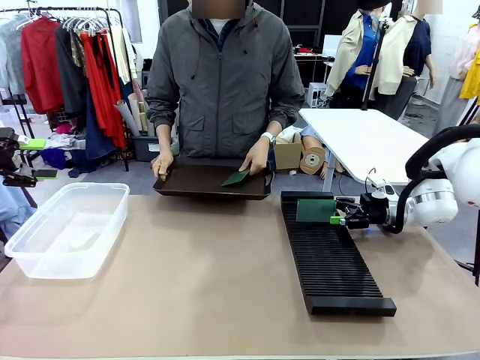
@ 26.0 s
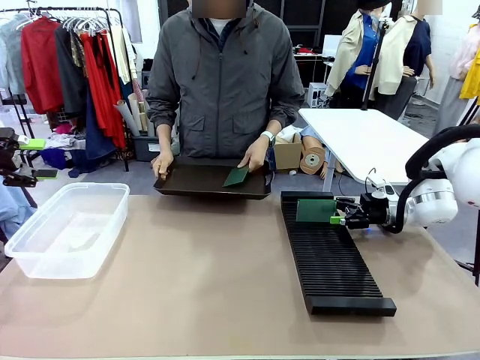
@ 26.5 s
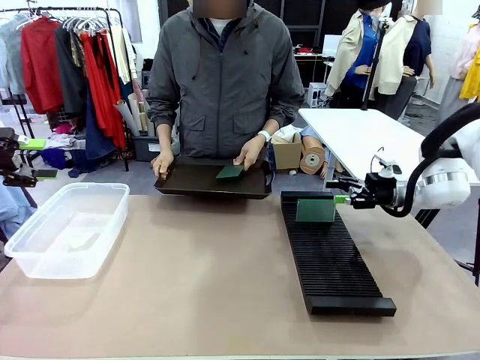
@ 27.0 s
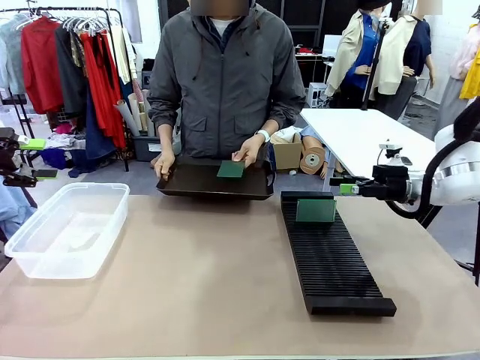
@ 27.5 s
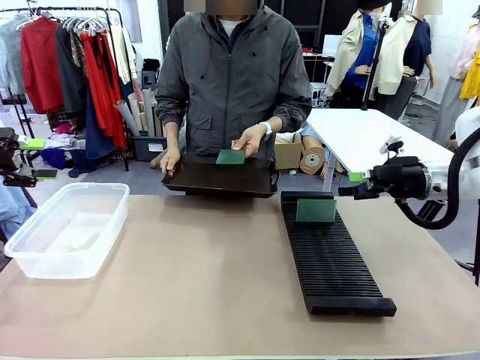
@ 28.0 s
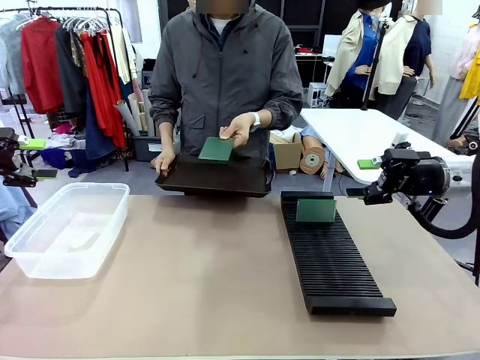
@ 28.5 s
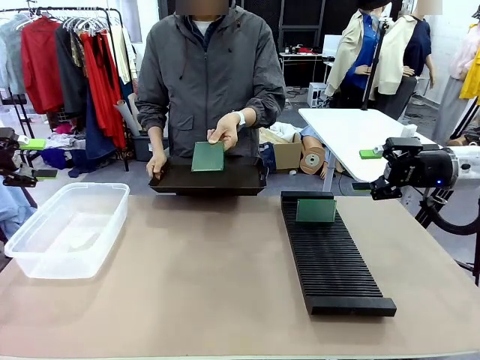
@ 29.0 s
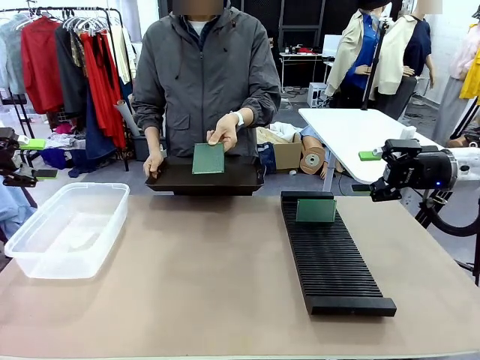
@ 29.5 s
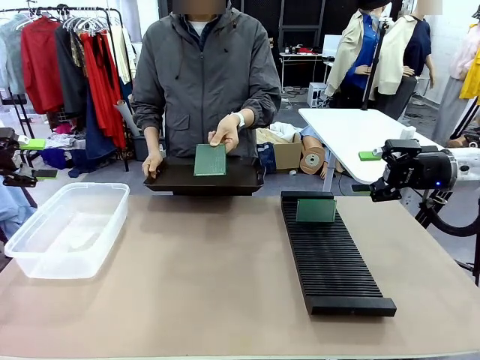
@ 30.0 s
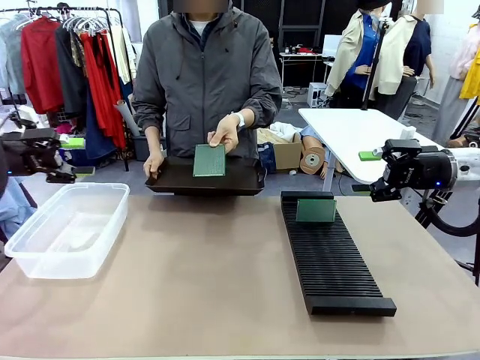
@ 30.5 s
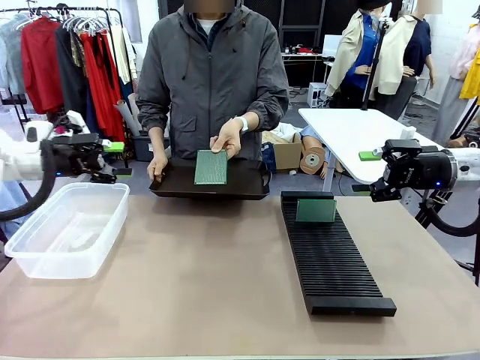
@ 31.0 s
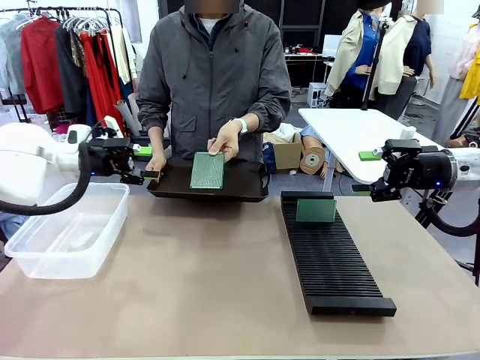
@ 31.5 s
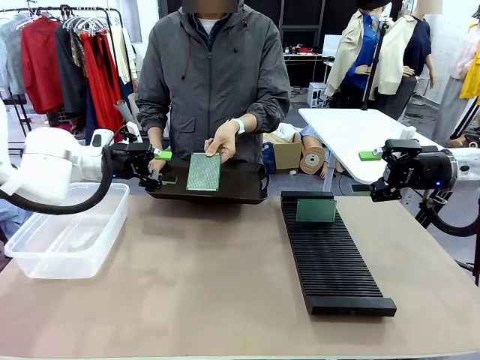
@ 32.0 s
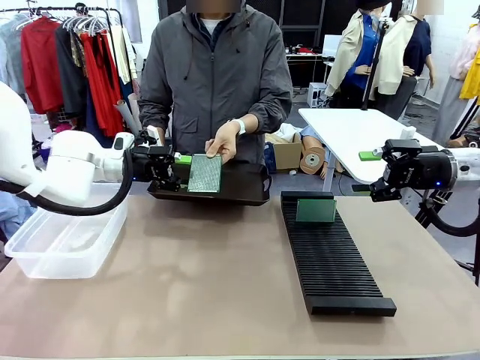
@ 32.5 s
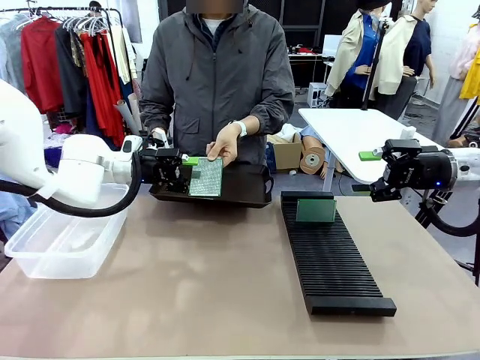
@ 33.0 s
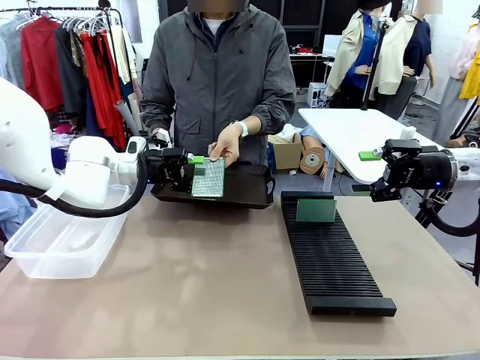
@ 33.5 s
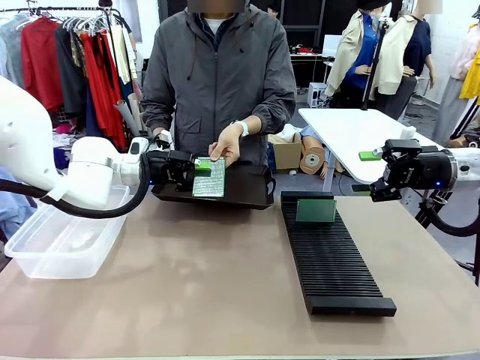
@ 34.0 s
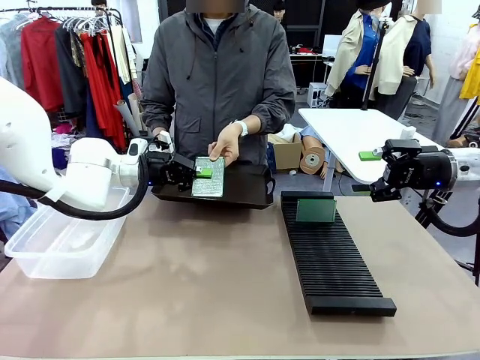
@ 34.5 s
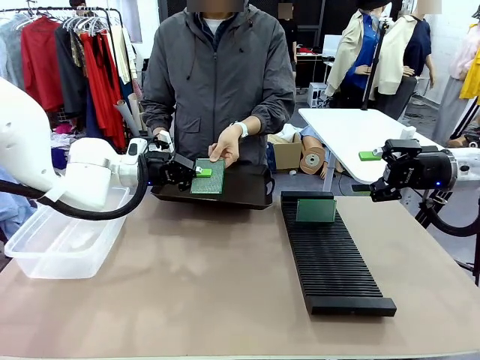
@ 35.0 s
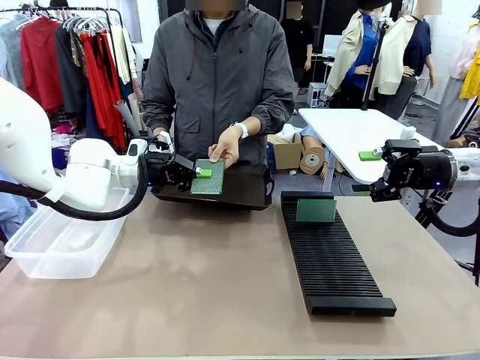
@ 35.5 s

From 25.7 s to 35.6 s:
Task: Sort PCBs into racks and boxes based on the side picked up.
Robot: Pick up the Blank PCB handed by the Human.

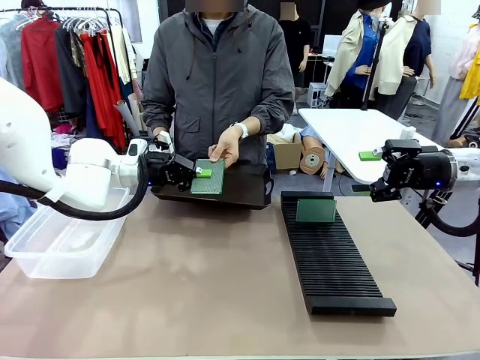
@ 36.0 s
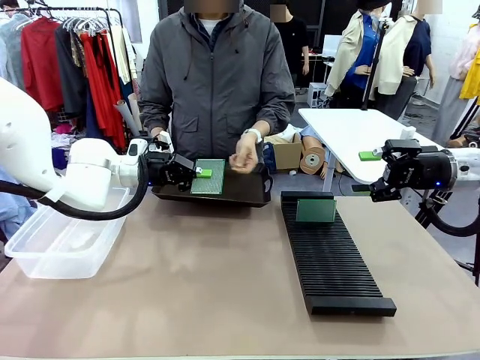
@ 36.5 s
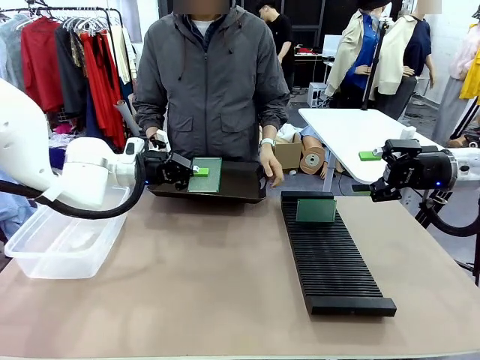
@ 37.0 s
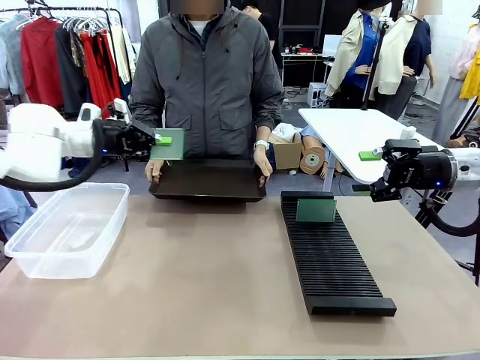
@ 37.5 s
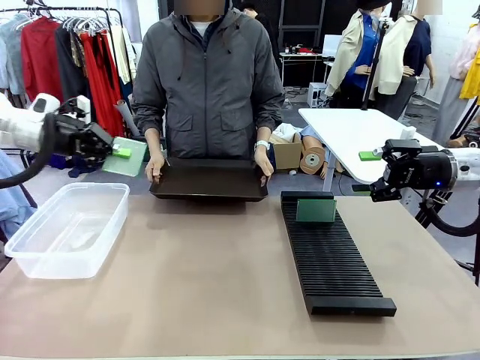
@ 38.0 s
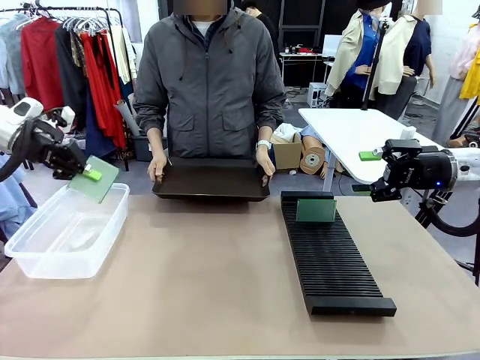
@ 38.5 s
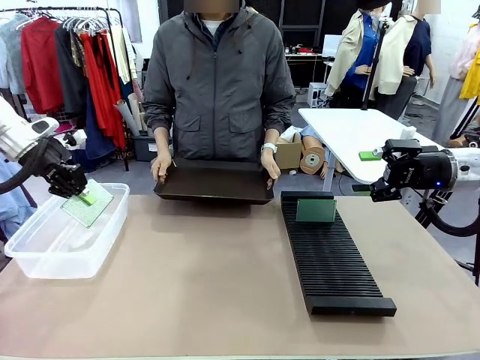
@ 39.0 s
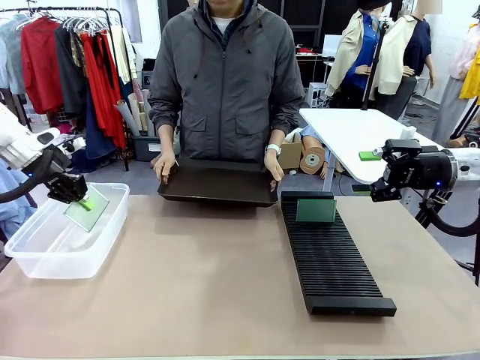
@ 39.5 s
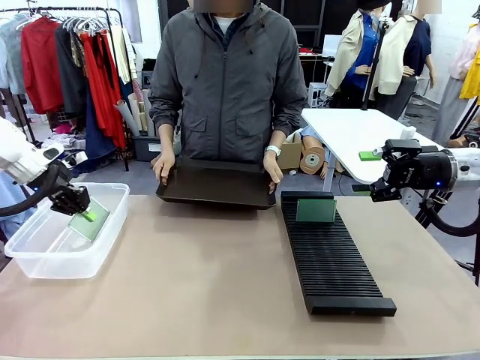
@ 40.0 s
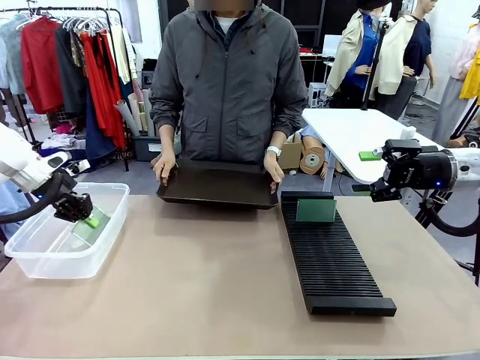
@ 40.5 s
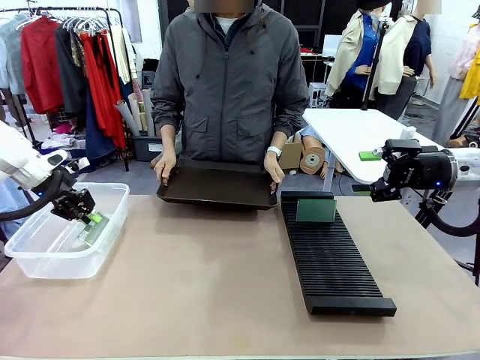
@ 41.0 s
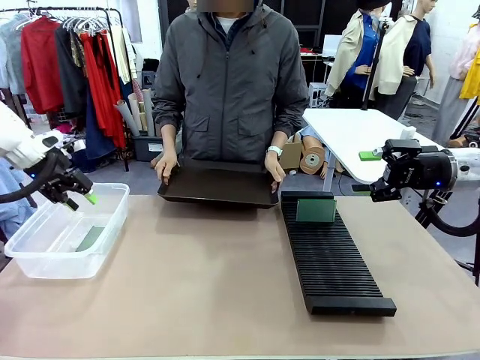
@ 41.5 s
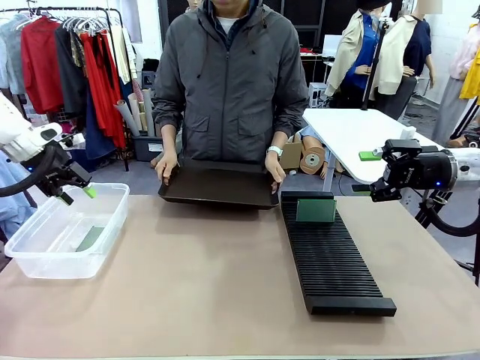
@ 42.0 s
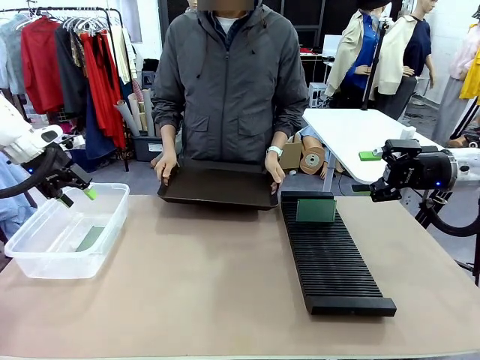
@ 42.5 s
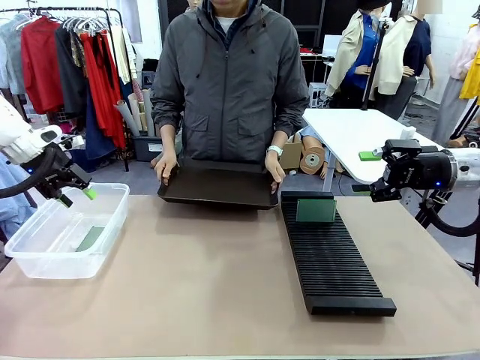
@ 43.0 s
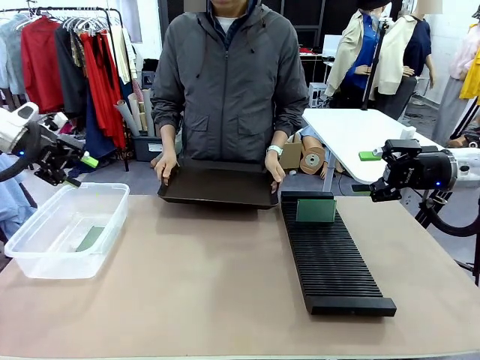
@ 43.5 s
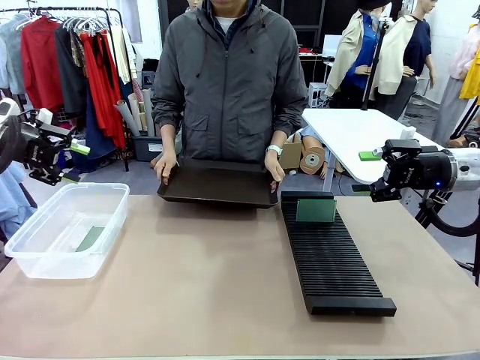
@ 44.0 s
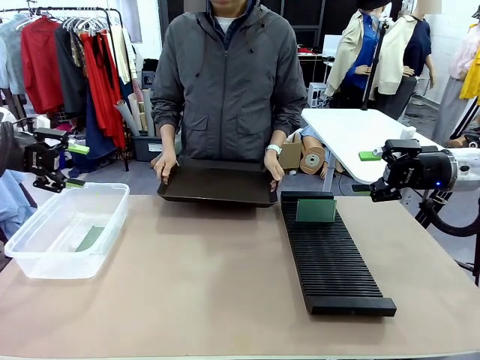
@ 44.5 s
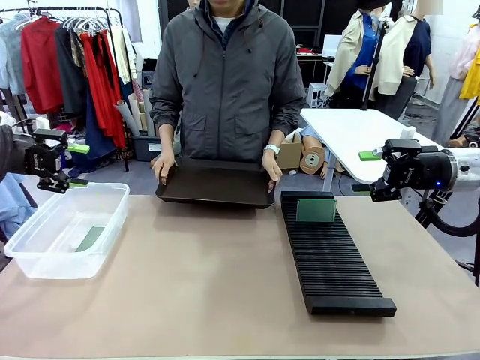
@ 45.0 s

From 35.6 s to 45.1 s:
Robot: If the short side of the Blank PCB is picked up, insert it into the PCB Rack ; if the long side is picked up, place it in the Organizing box.
Person: Release the PCB being held.
